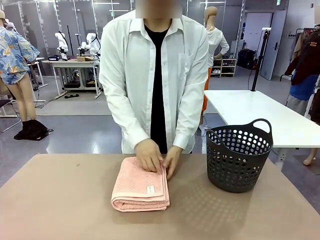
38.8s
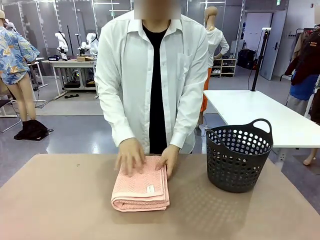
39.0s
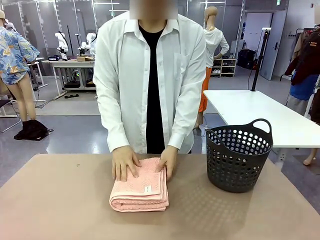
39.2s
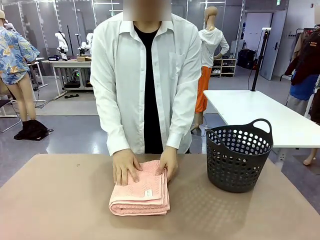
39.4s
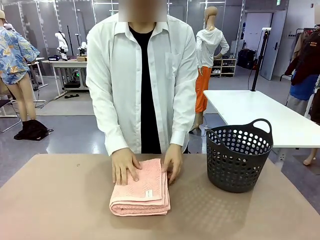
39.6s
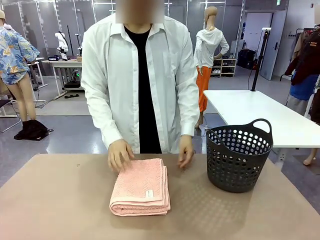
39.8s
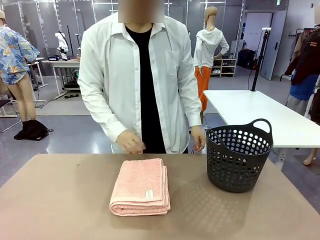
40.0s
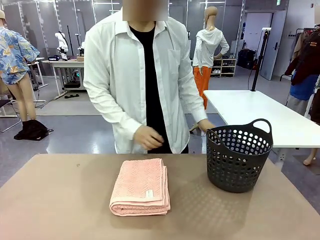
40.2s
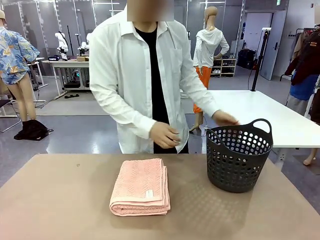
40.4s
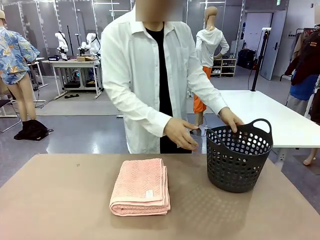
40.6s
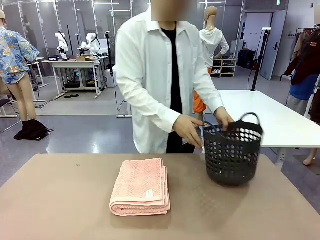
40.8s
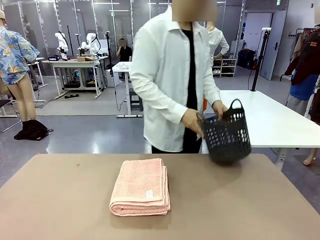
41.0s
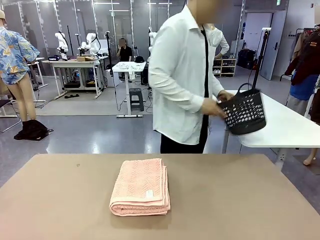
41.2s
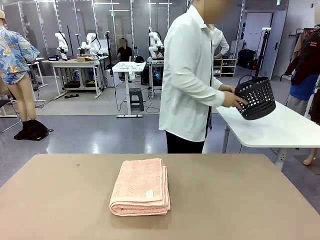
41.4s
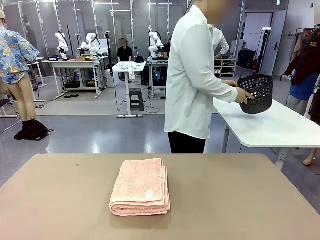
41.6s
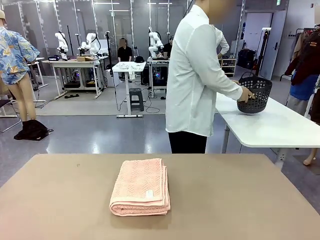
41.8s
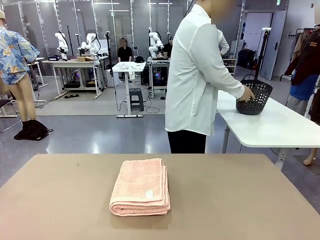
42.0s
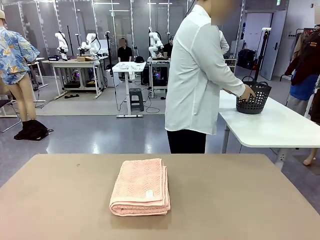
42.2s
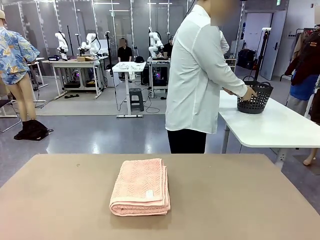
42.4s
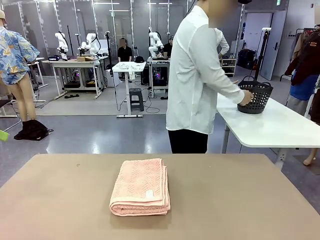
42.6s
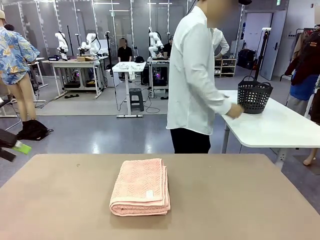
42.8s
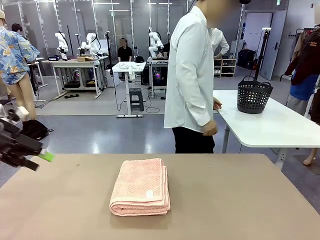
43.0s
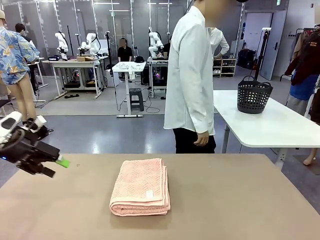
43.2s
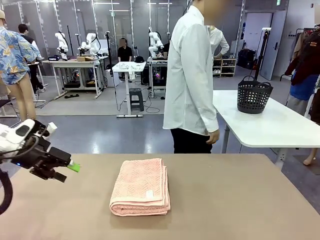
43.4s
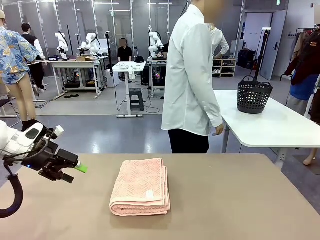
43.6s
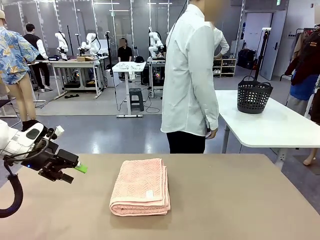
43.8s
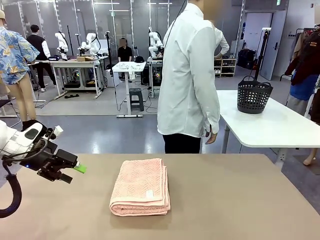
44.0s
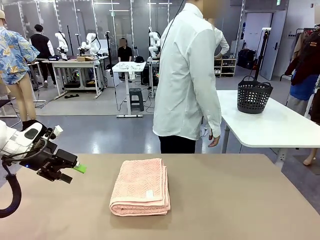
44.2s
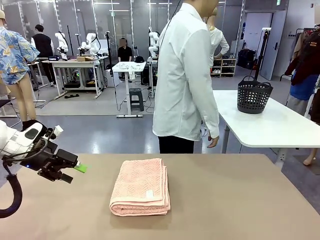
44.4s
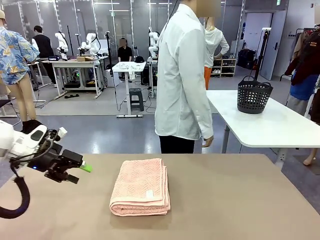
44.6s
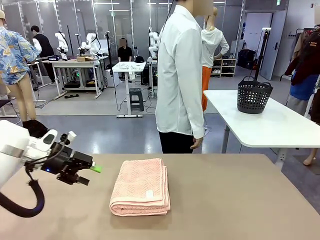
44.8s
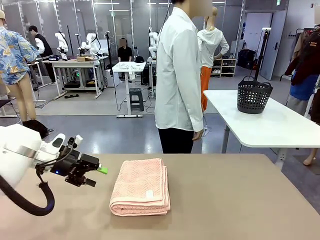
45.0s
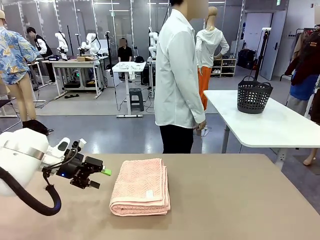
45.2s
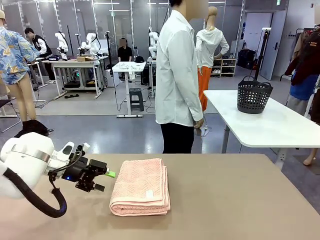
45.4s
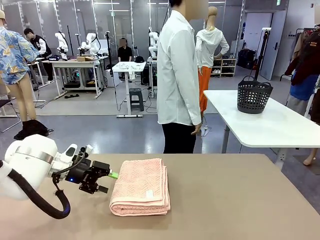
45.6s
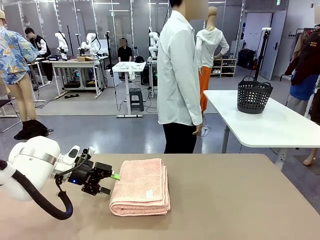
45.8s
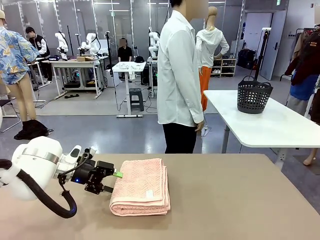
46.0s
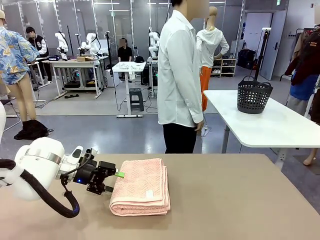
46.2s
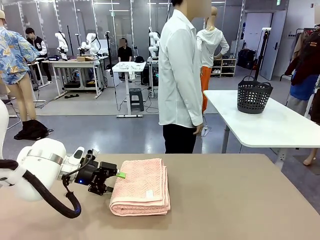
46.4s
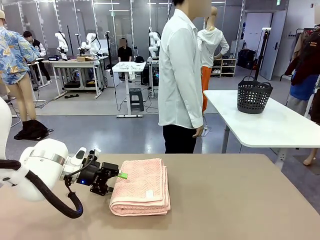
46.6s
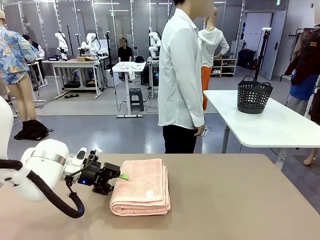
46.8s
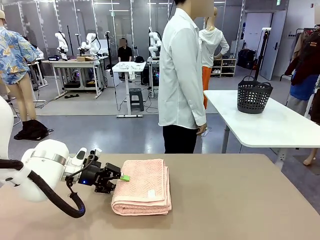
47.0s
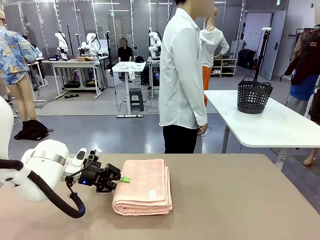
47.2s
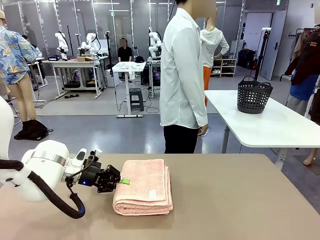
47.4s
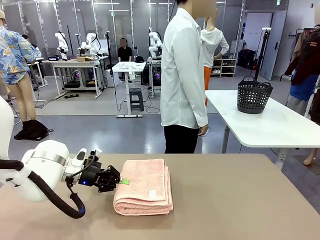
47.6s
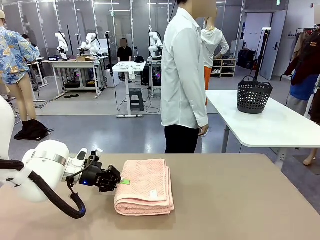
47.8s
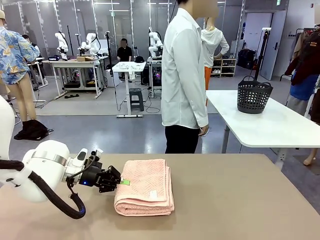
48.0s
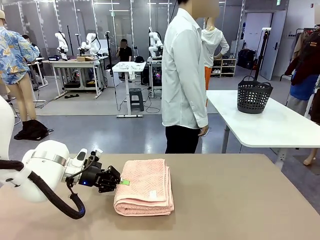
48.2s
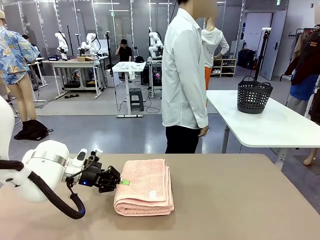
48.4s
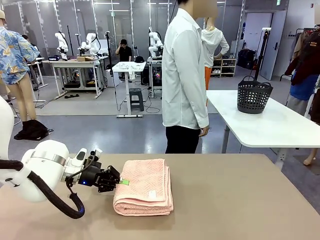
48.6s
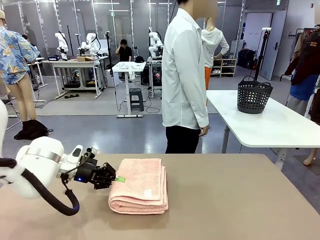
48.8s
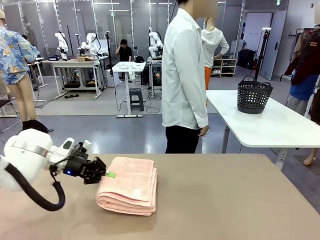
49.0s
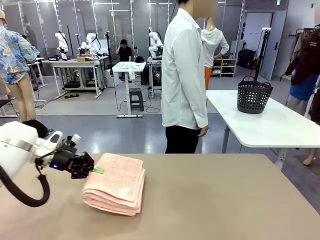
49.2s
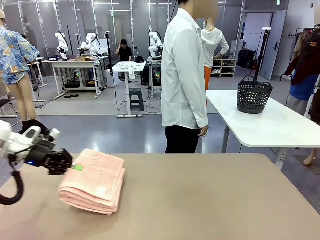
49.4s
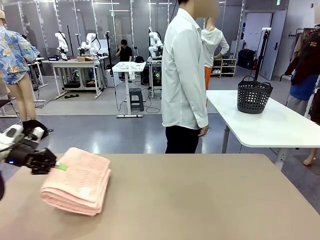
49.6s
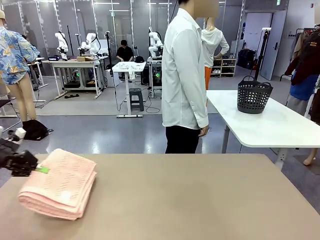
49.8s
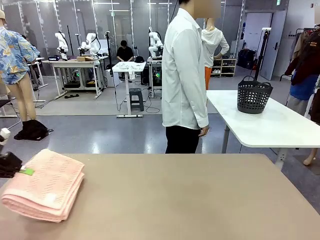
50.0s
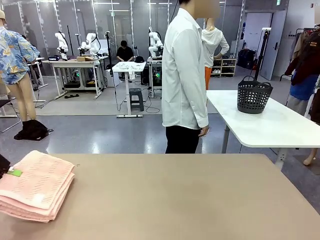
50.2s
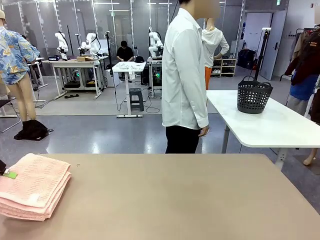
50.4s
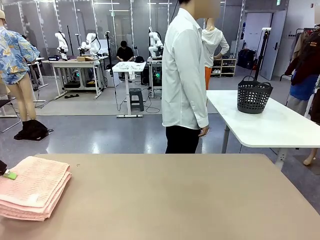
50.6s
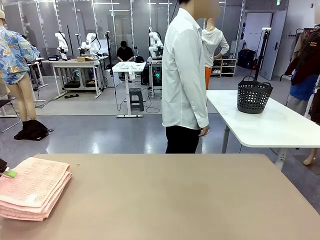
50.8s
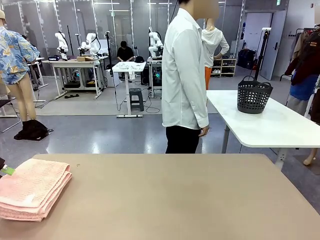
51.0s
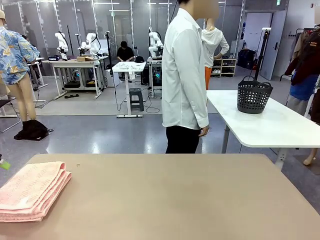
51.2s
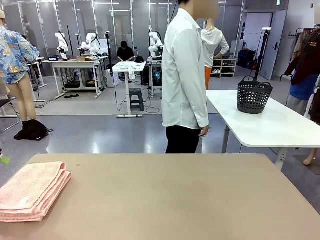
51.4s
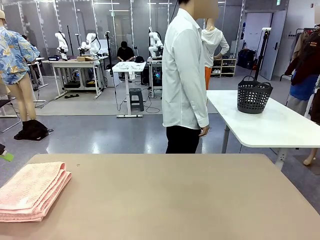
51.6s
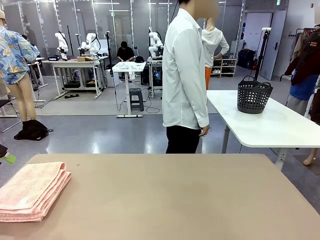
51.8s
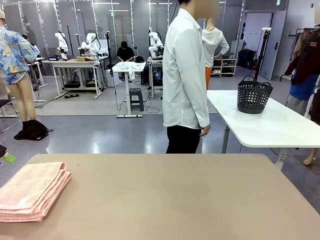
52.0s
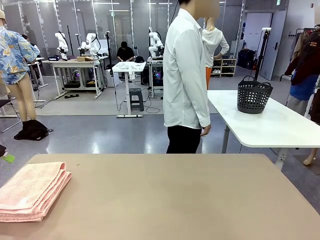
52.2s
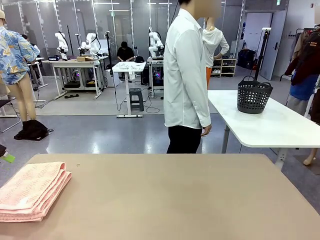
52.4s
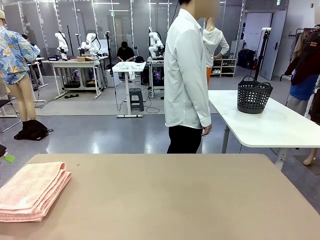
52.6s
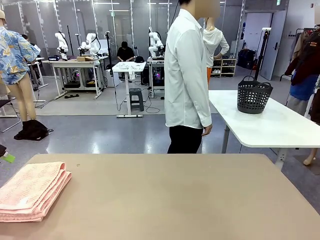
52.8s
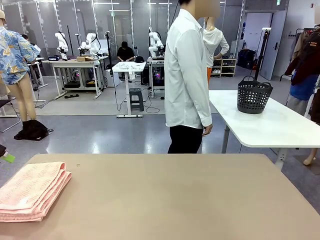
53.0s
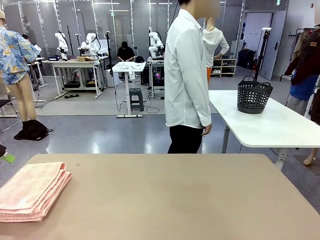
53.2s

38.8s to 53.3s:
Task: Fold the towel.
Robot: Pick up the 100 cm Hotel Towel and place it on the left side of the table.
Person: Pick up the laundry basket and place it at the center of the human table.
